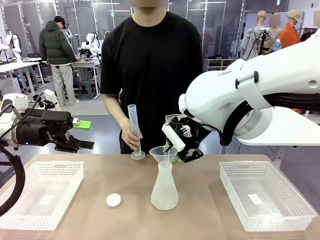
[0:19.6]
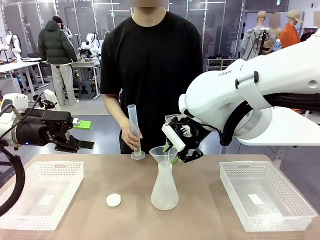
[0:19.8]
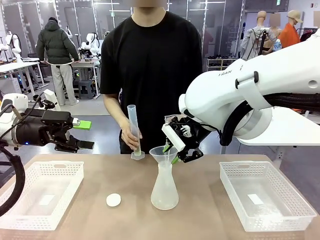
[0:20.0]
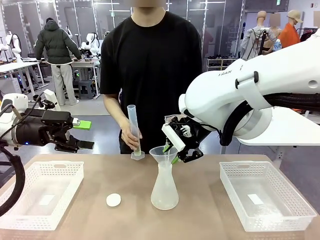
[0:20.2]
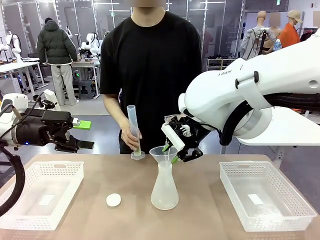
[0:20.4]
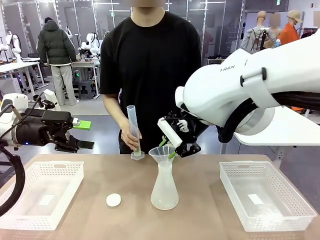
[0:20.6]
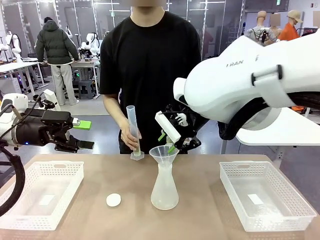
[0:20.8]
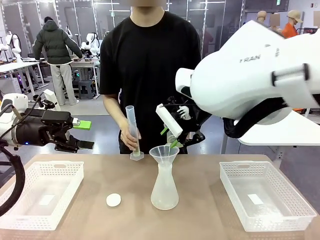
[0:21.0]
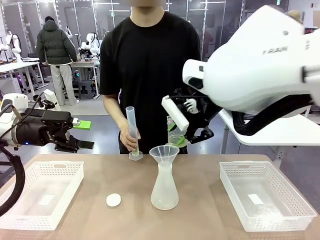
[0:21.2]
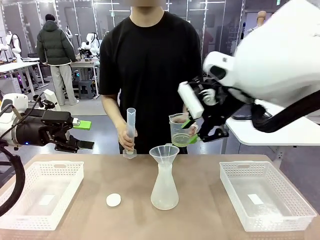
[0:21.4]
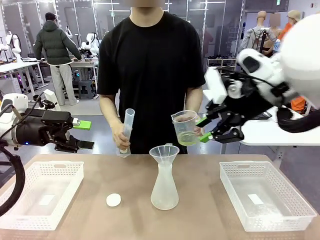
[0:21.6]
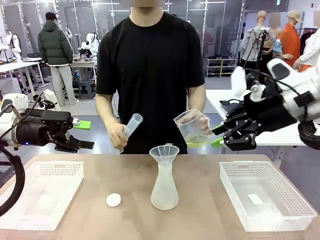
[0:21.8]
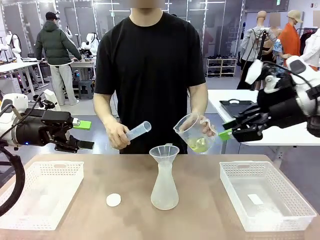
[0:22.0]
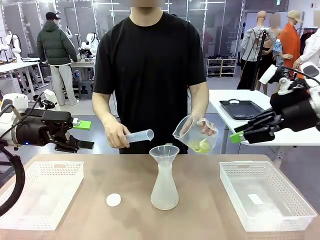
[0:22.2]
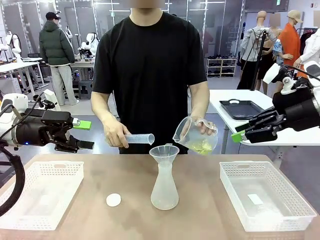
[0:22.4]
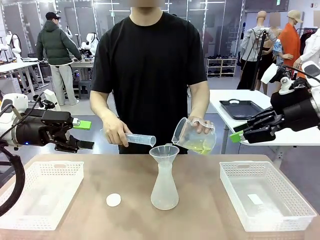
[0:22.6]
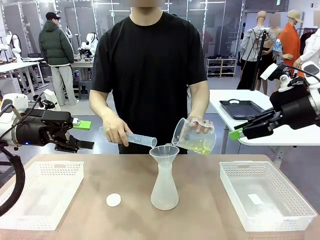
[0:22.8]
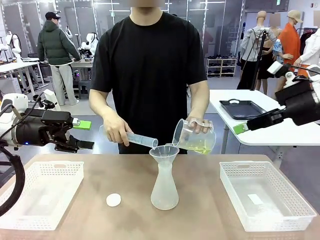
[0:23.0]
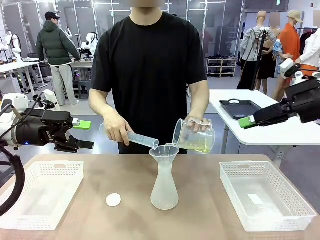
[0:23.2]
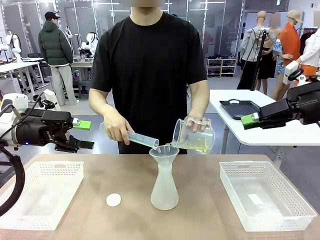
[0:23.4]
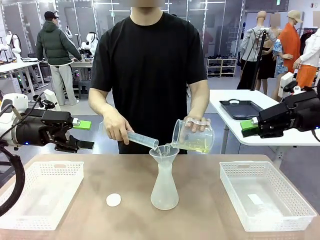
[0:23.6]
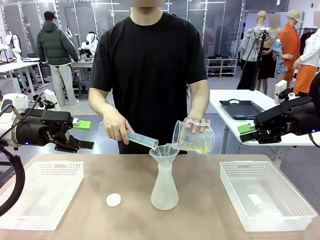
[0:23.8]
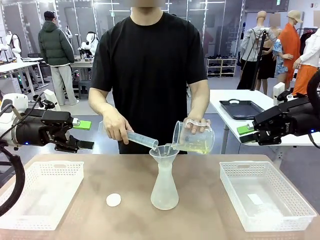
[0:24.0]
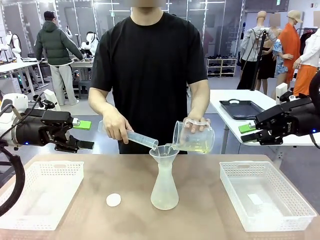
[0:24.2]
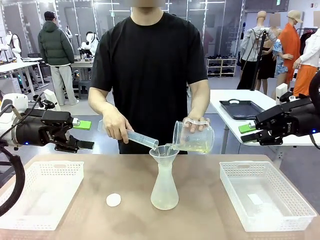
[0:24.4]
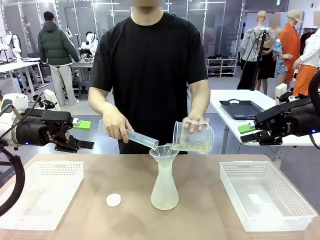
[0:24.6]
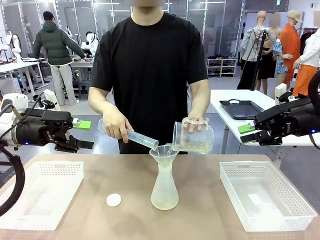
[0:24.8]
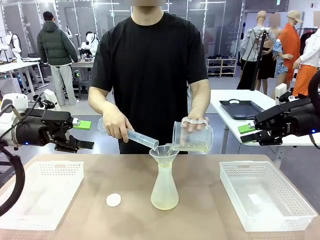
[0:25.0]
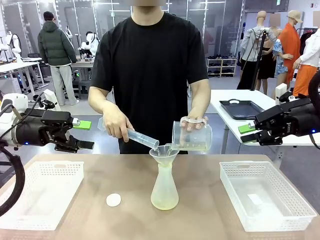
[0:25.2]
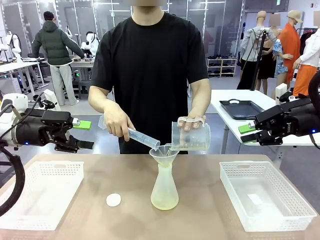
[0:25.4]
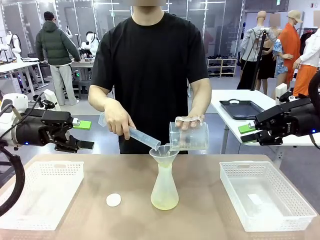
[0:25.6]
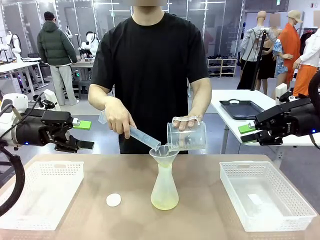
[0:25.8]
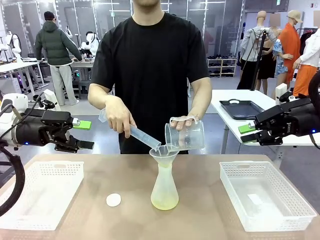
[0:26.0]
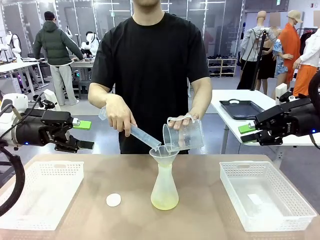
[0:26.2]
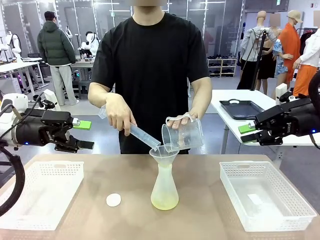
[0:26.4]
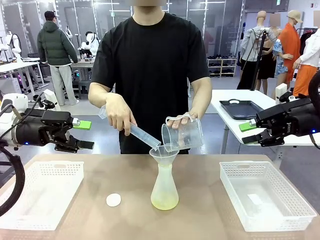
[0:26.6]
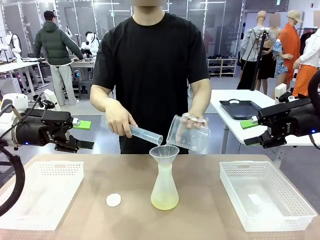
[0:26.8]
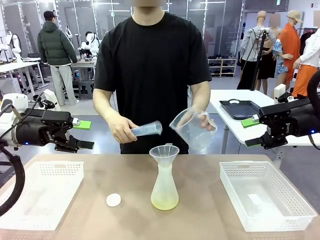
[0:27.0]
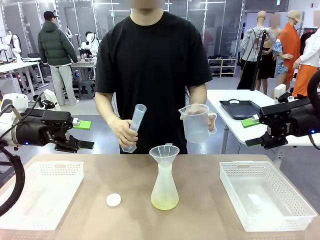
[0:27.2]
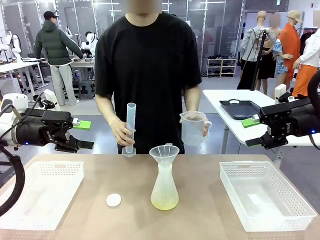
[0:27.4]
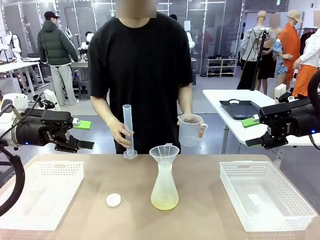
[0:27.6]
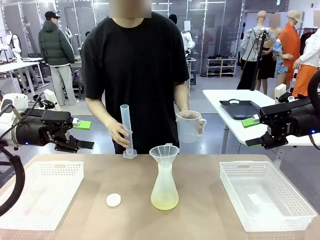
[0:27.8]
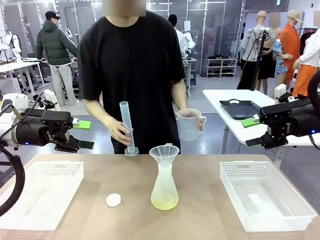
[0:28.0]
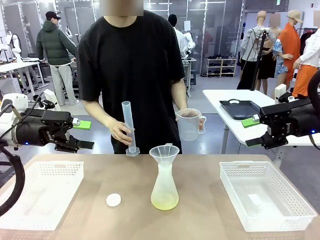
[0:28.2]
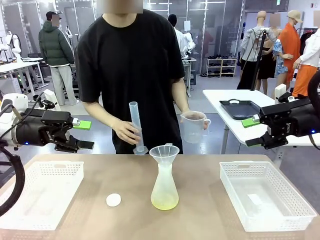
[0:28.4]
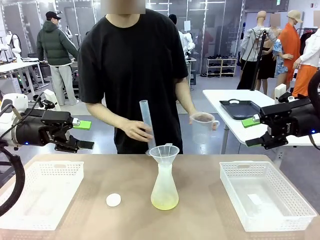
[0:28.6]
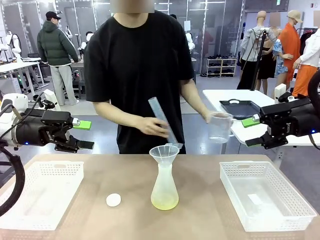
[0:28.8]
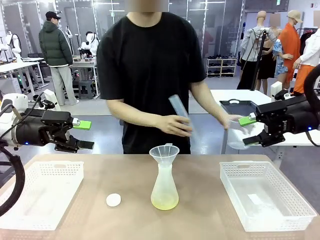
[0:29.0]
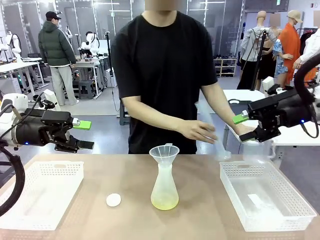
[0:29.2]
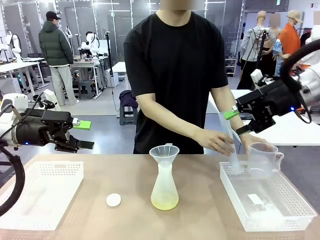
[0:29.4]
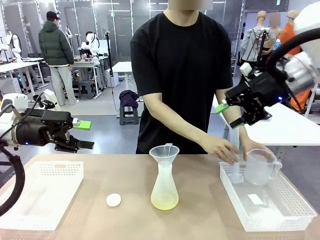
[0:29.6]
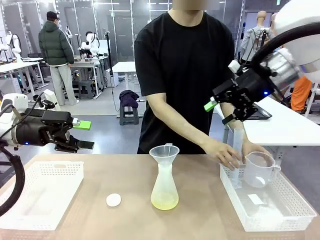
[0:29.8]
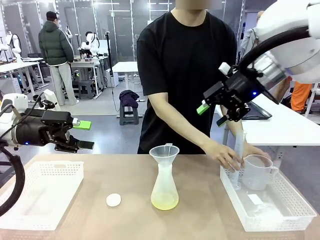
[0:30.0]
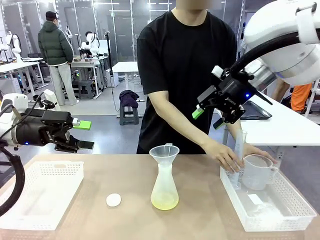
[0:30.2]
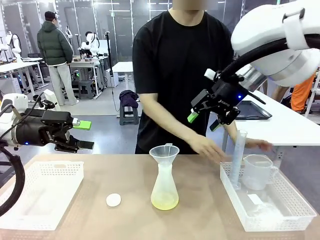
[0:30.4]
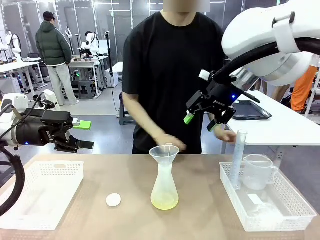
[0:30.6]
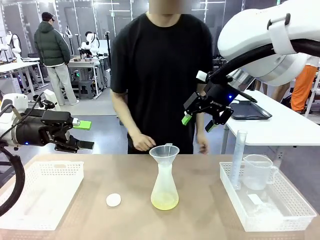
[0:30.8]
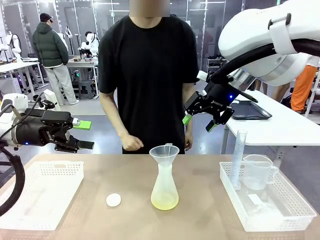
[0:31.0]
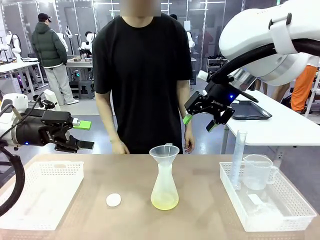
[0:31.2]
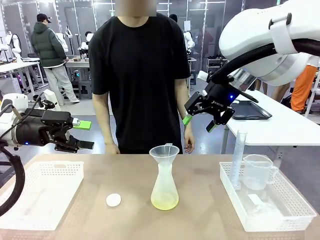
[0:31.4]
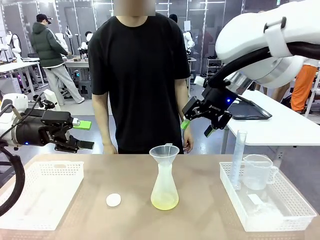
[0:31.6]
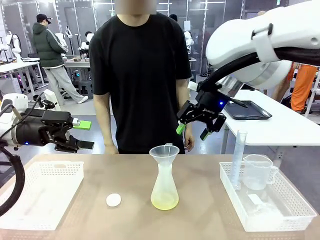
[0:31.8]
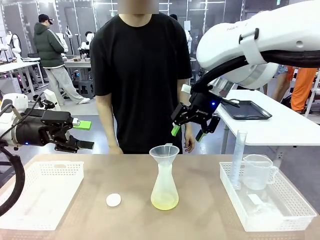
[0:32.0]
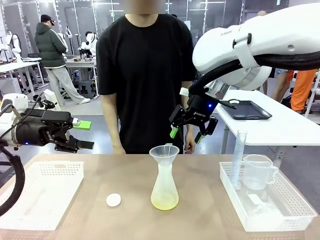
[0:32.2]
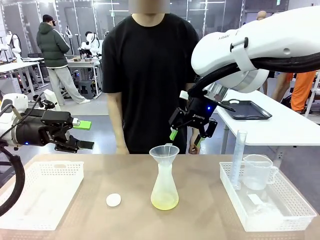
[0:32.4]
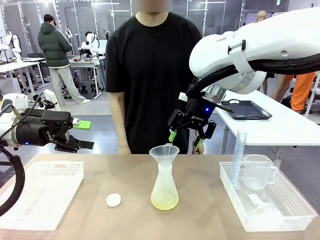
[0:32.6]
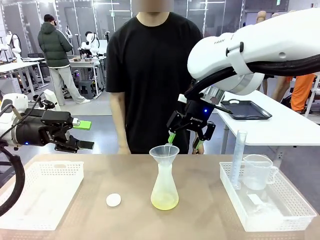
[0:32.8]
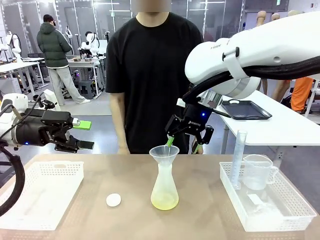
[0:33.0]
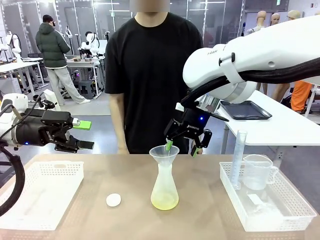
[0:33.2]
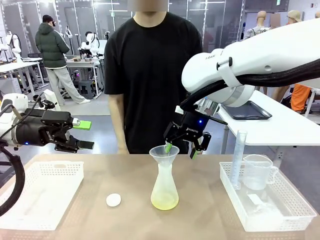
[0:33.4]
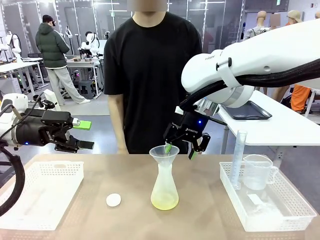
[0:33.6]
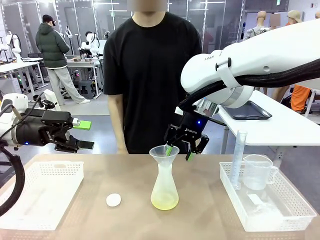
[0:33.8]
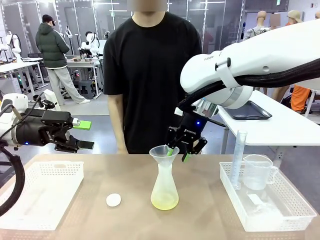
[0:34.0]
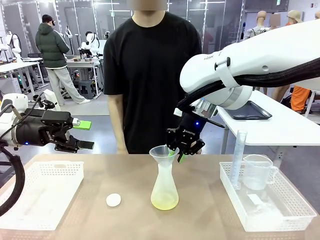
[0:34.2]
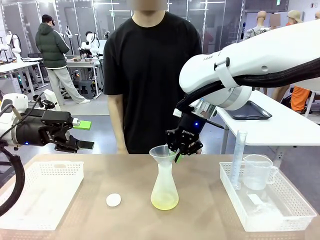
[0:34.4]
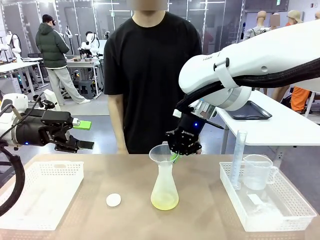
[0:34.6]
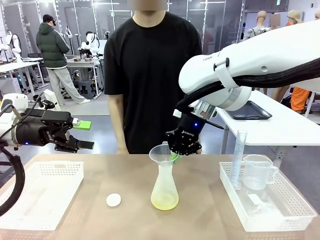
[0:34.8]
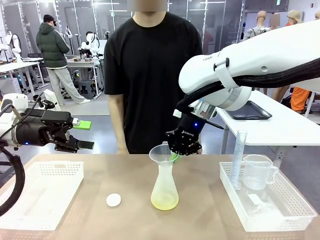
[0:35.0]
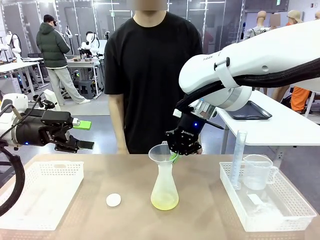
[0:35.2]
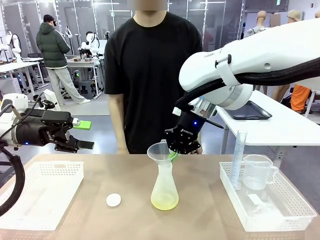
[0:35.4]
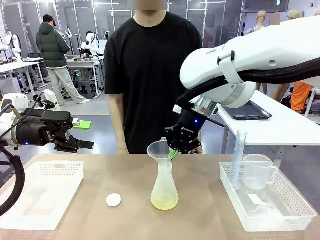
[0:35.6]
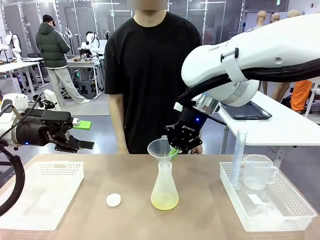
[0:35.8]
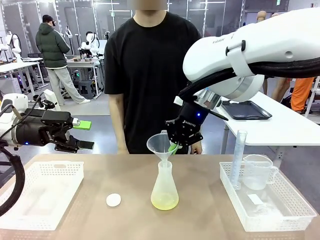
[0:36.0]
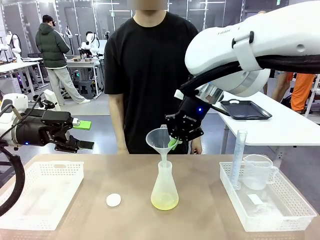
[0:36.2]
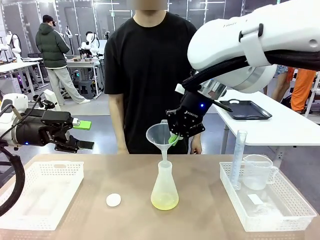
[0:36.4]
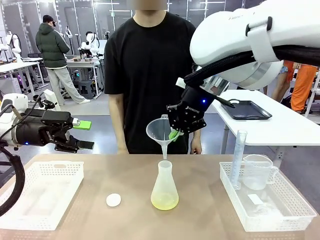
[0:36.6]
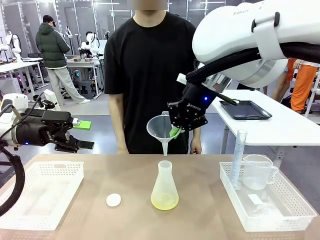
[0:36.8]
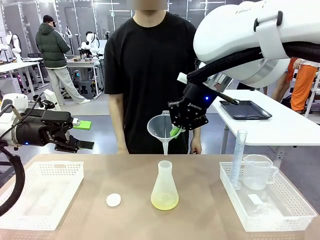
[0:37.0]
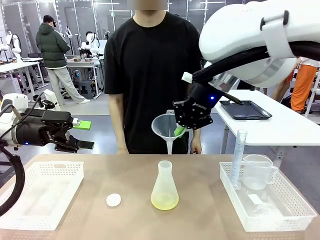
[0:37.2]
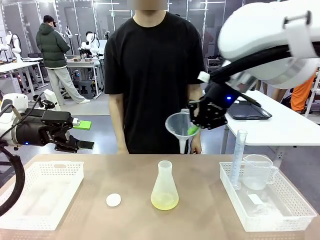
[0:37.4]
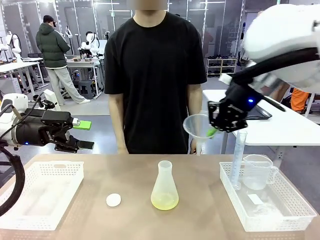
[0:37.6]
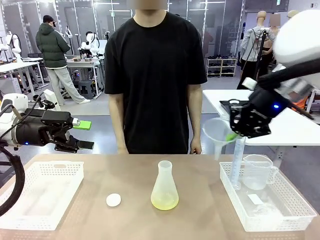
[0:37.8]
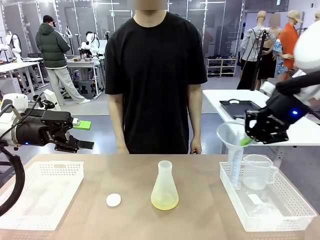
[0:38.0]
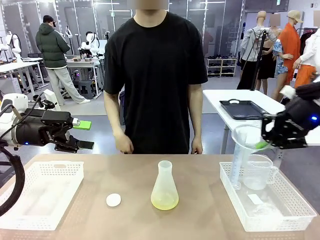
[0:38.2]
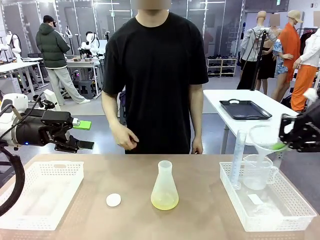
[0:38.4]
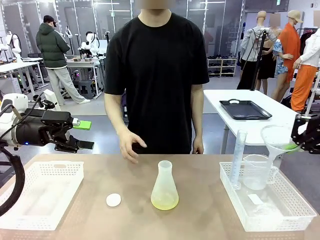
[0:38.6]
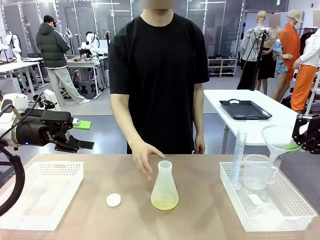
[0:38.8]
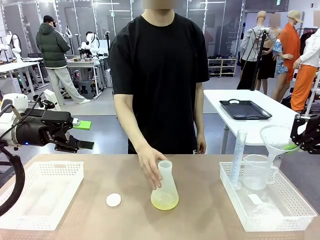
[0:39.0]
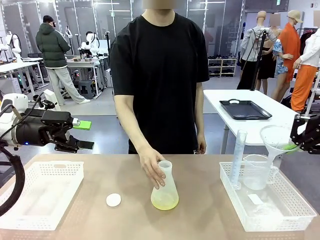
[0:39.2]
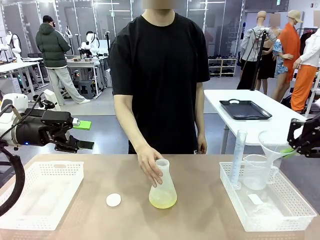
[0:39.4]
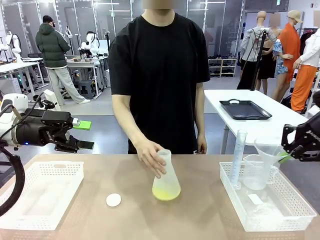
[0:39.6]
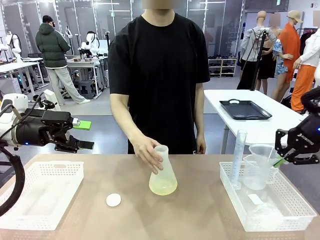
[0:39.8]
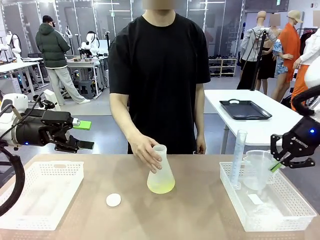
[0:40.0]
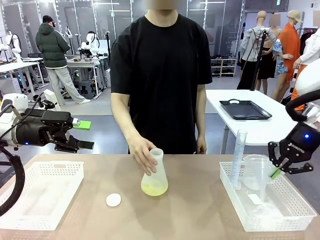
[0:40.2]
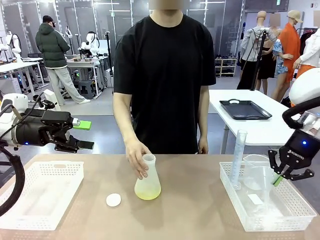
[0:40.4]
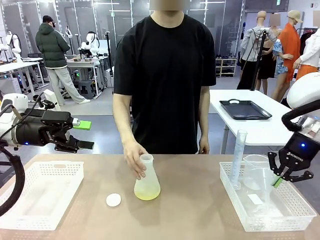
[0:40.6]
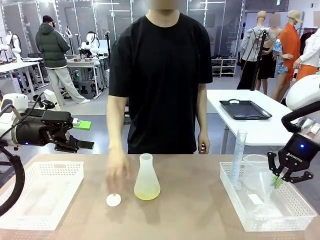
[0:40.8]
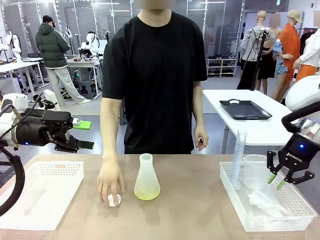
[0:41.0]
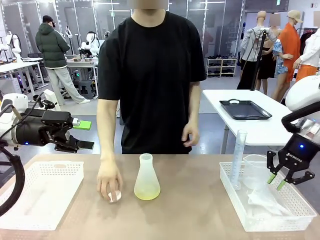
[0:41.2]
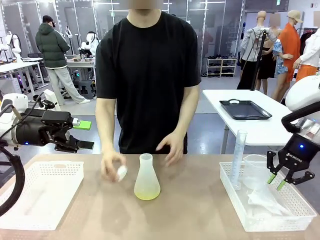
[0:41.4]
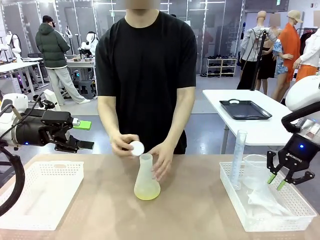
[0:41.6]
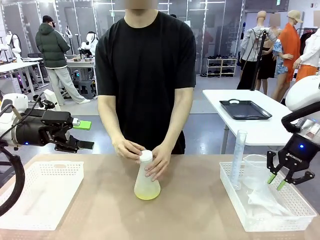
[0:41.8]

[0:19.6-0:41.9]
Task: Prepare the solutions needed for the experiment.
Robot: Once the solution is in the Big flask , pick up the Plastic Funnel and place it back into the right Organizing basket.
Person: Place the beaker and the cylinder into the organizing basket on the left side. Pick up the flask, gently shake it 2–3 times, place it in the middle of the robot table, and close the lid.
